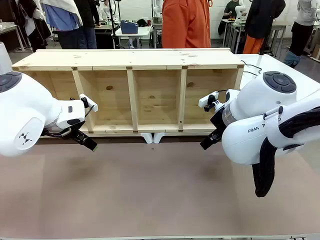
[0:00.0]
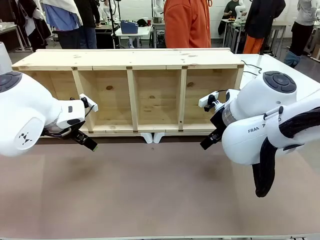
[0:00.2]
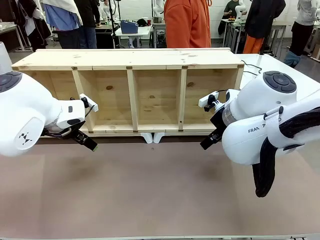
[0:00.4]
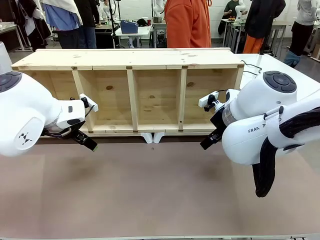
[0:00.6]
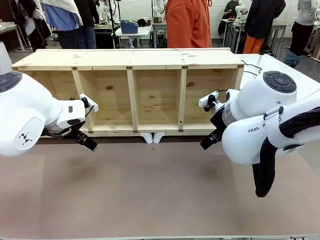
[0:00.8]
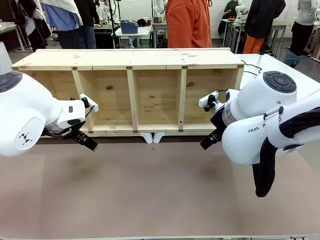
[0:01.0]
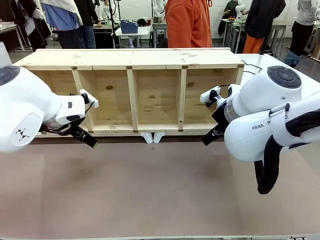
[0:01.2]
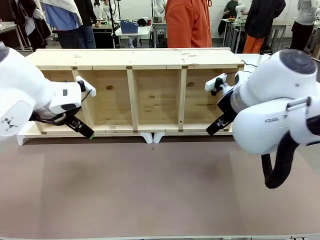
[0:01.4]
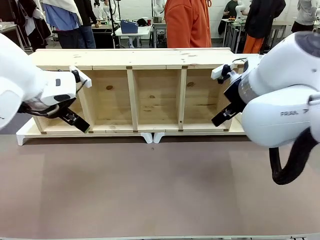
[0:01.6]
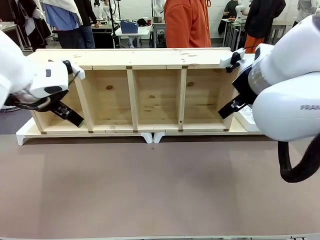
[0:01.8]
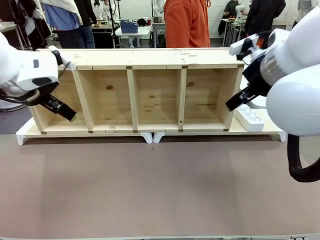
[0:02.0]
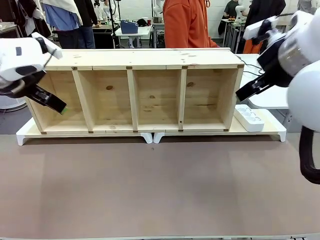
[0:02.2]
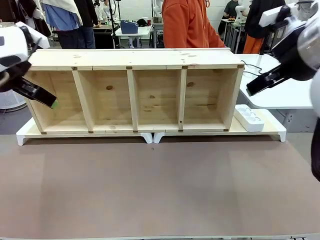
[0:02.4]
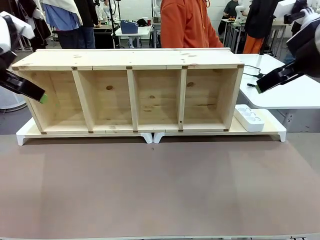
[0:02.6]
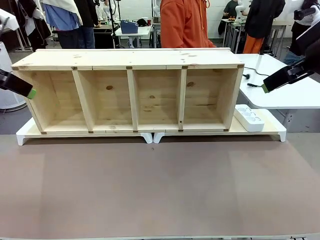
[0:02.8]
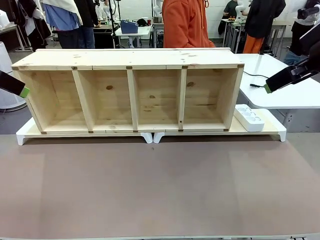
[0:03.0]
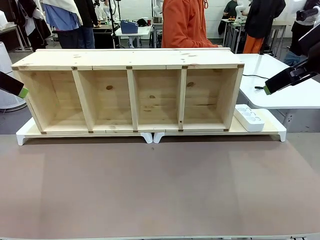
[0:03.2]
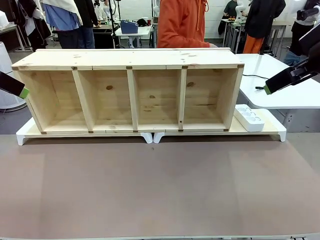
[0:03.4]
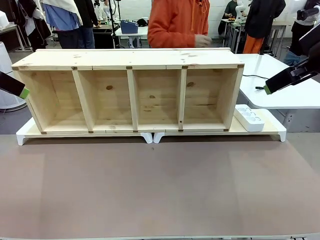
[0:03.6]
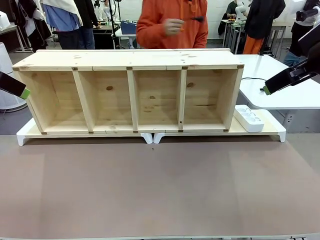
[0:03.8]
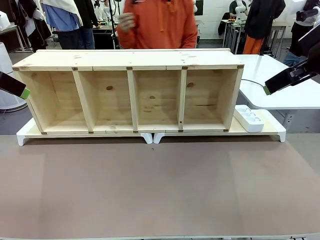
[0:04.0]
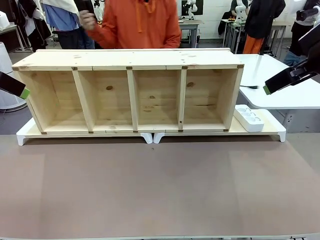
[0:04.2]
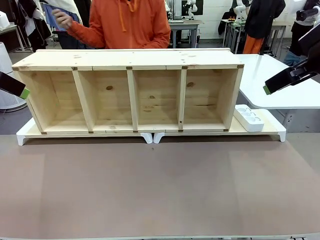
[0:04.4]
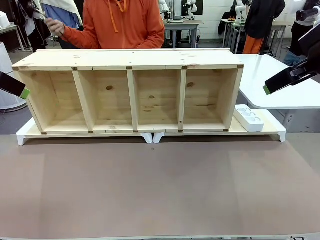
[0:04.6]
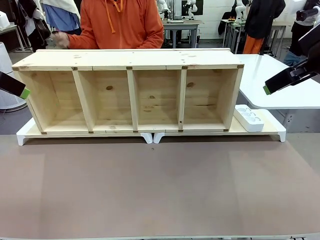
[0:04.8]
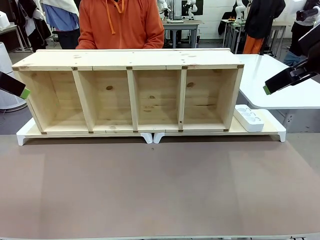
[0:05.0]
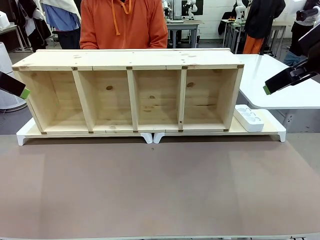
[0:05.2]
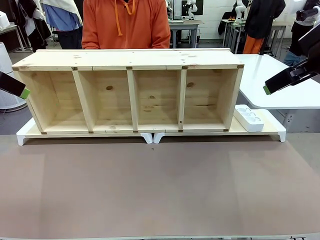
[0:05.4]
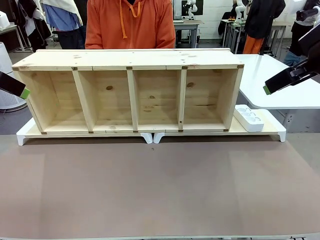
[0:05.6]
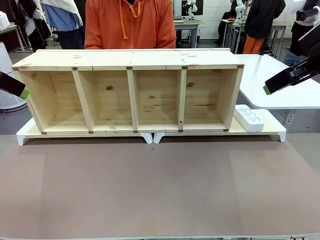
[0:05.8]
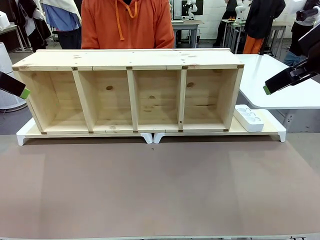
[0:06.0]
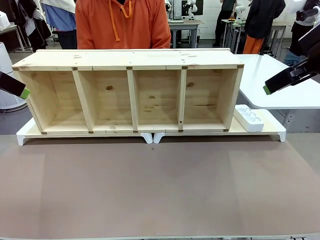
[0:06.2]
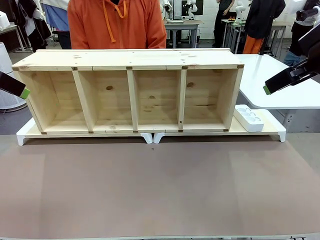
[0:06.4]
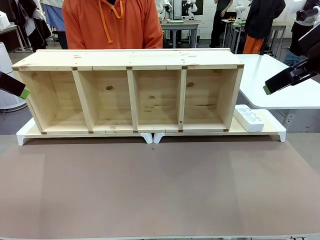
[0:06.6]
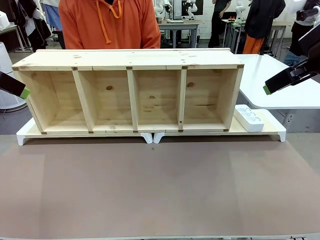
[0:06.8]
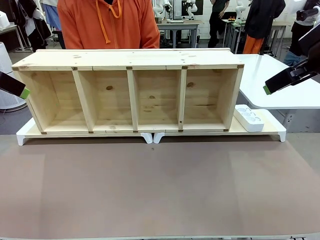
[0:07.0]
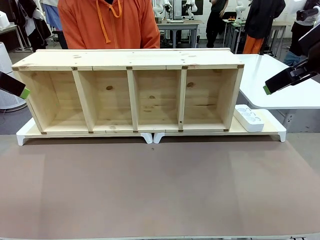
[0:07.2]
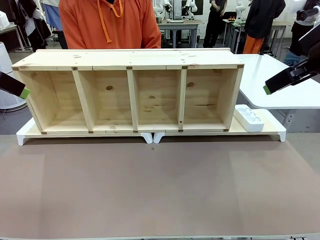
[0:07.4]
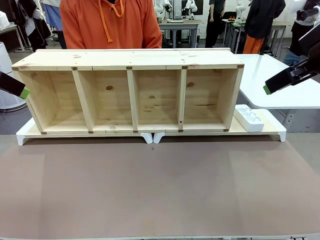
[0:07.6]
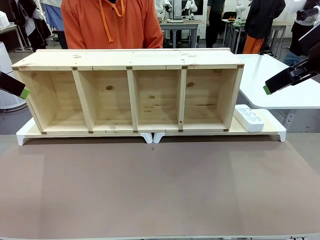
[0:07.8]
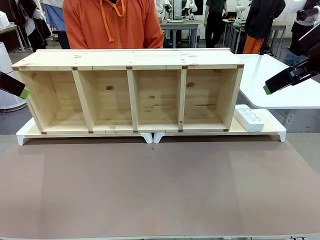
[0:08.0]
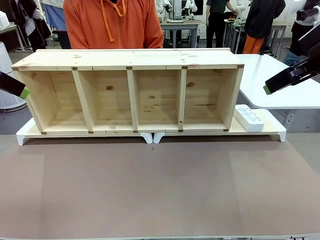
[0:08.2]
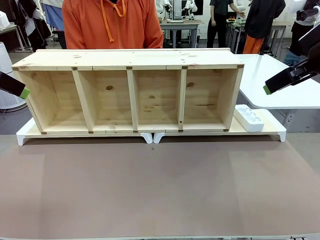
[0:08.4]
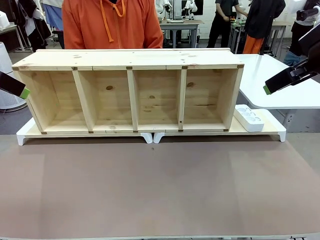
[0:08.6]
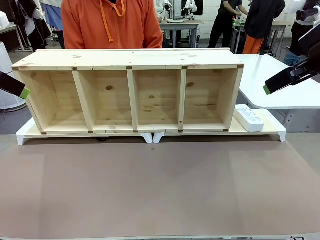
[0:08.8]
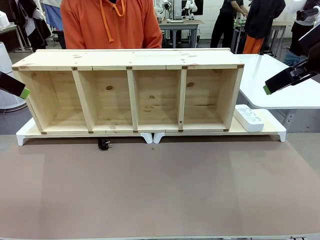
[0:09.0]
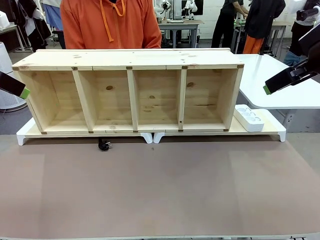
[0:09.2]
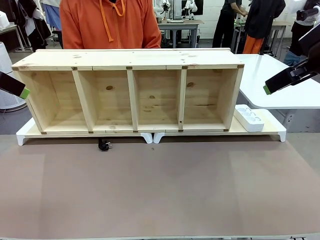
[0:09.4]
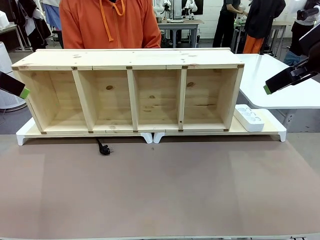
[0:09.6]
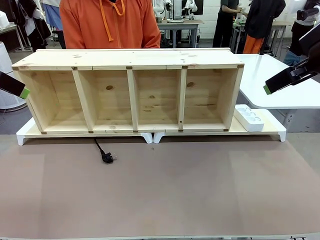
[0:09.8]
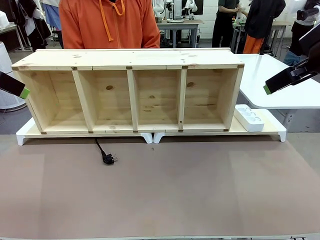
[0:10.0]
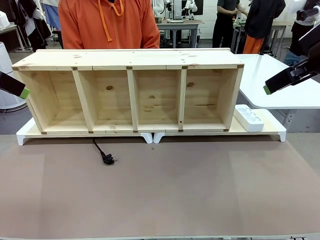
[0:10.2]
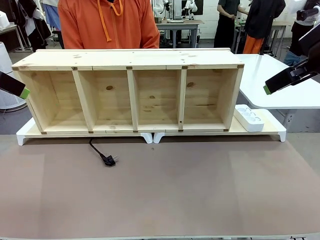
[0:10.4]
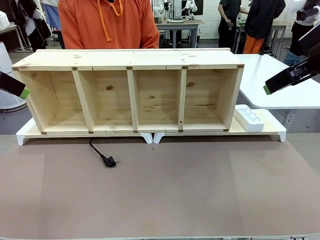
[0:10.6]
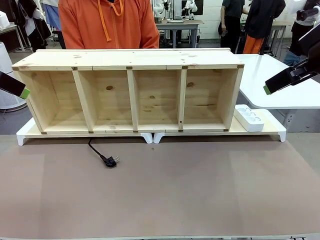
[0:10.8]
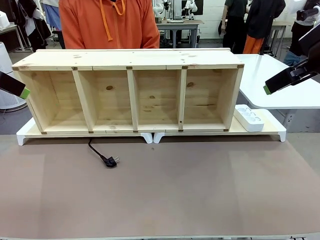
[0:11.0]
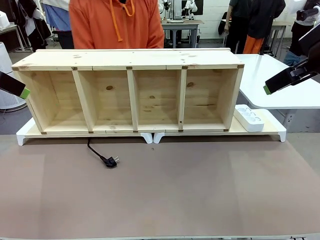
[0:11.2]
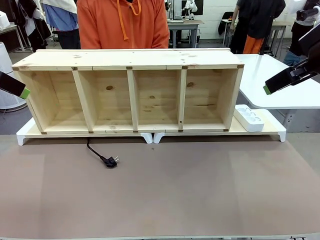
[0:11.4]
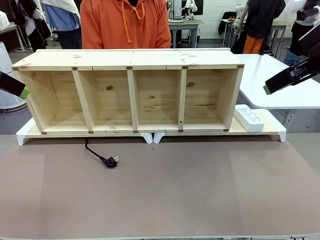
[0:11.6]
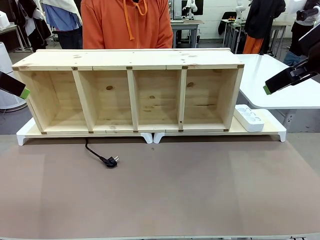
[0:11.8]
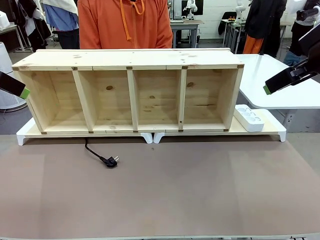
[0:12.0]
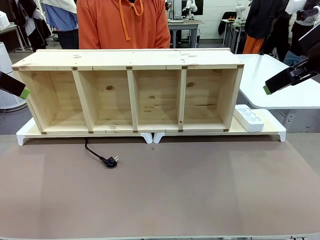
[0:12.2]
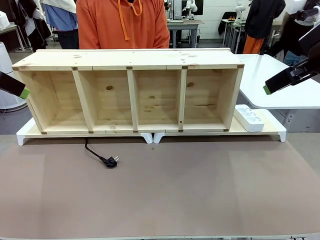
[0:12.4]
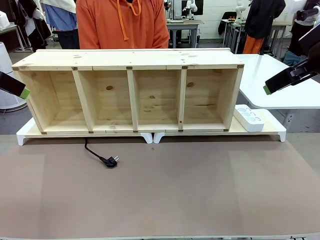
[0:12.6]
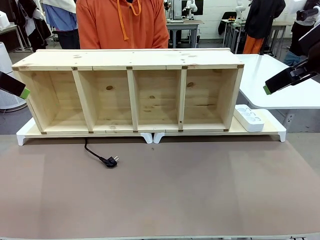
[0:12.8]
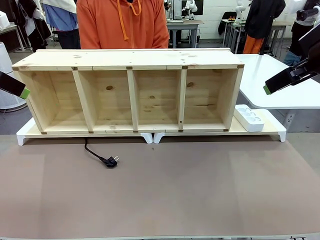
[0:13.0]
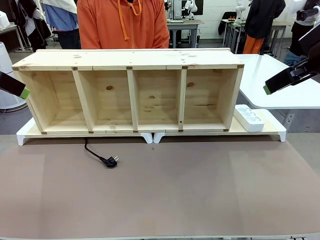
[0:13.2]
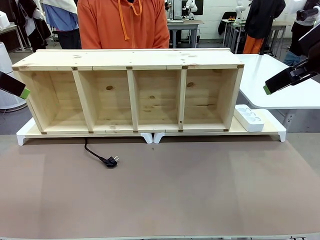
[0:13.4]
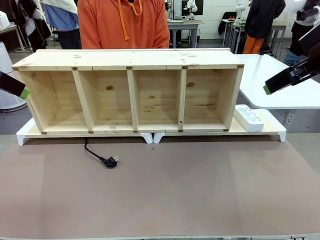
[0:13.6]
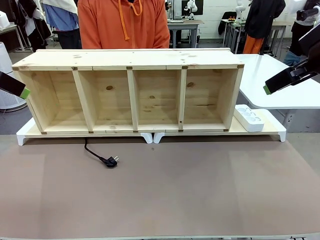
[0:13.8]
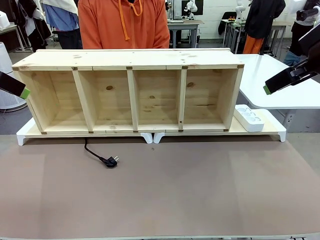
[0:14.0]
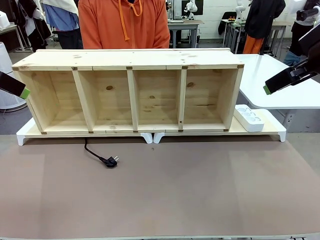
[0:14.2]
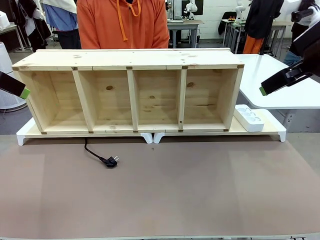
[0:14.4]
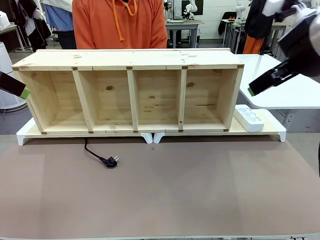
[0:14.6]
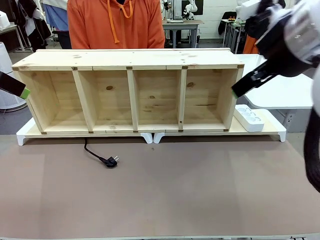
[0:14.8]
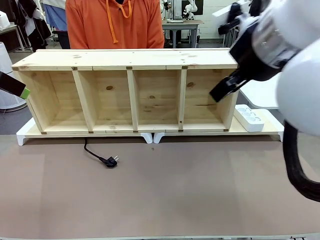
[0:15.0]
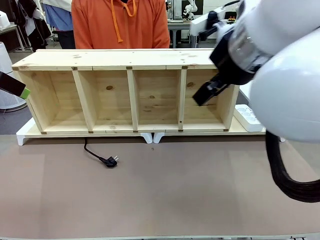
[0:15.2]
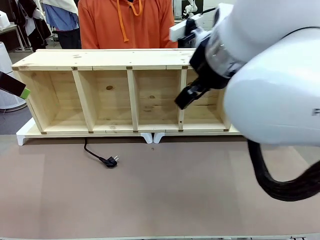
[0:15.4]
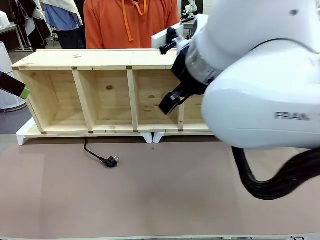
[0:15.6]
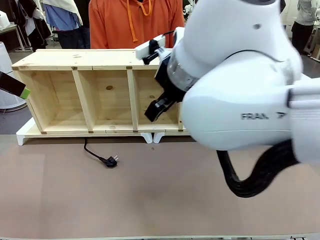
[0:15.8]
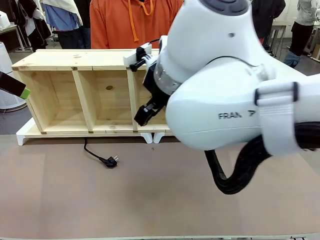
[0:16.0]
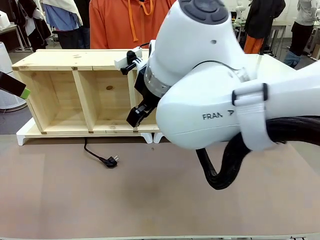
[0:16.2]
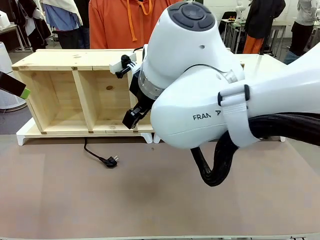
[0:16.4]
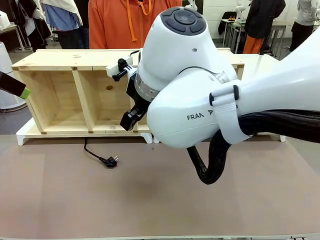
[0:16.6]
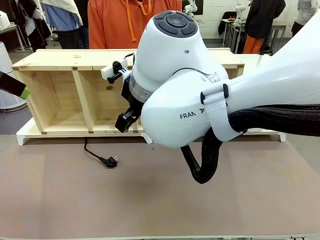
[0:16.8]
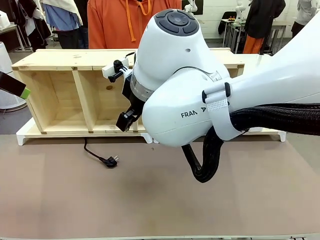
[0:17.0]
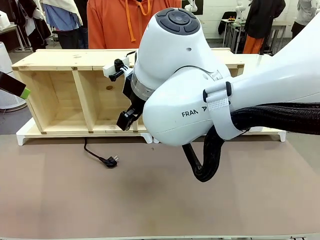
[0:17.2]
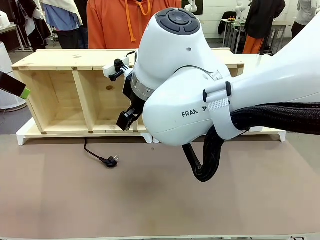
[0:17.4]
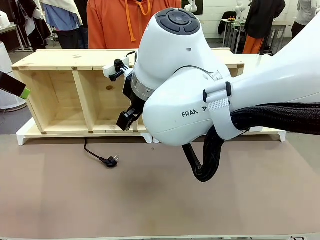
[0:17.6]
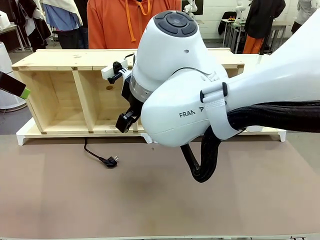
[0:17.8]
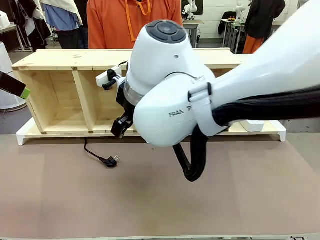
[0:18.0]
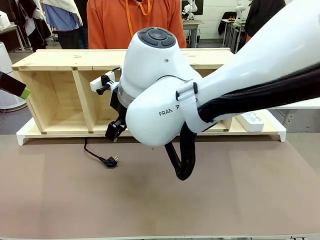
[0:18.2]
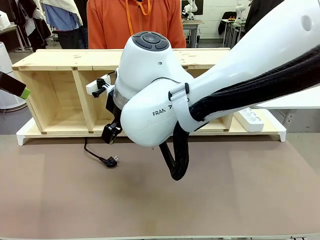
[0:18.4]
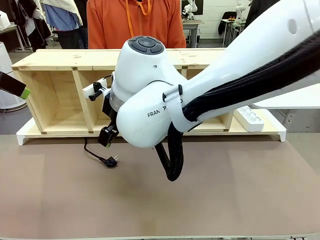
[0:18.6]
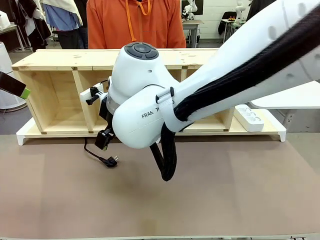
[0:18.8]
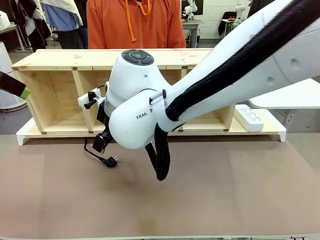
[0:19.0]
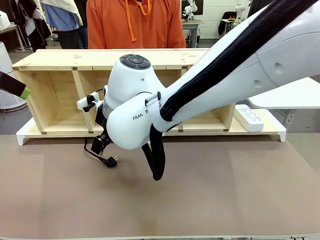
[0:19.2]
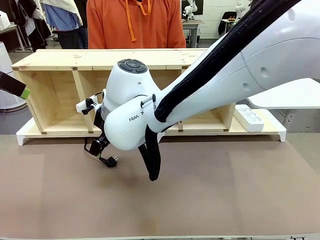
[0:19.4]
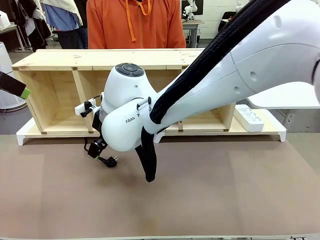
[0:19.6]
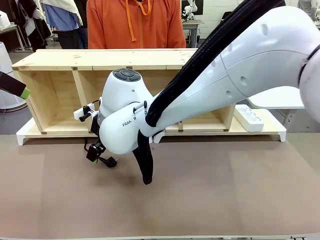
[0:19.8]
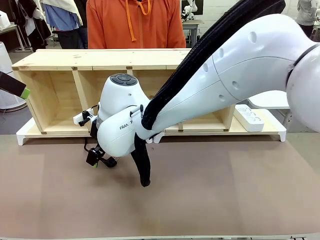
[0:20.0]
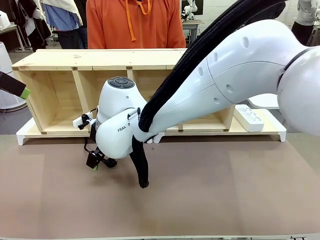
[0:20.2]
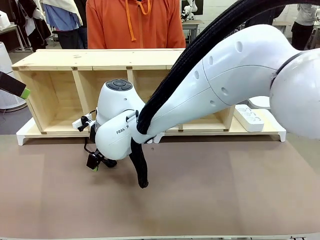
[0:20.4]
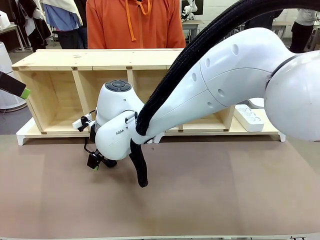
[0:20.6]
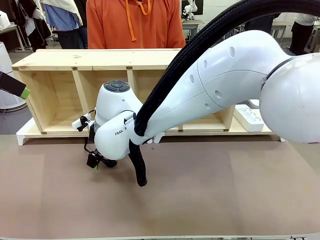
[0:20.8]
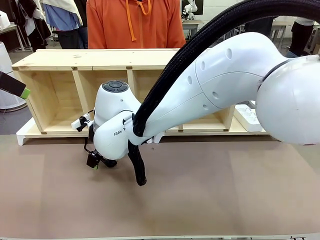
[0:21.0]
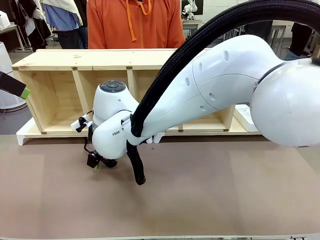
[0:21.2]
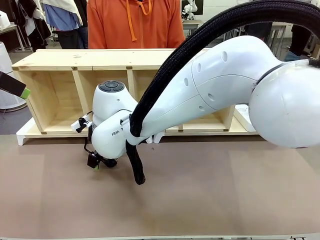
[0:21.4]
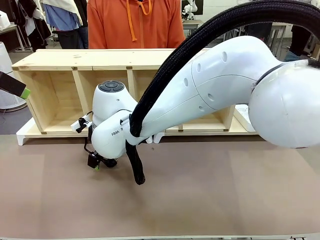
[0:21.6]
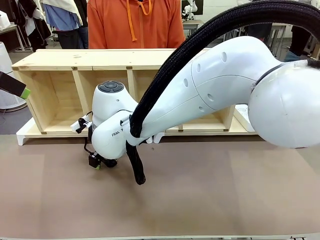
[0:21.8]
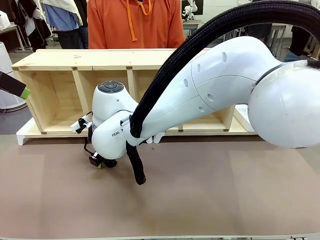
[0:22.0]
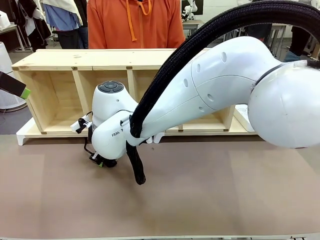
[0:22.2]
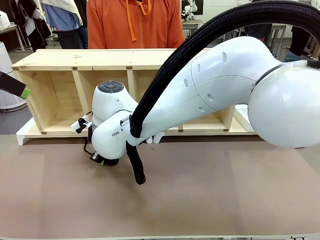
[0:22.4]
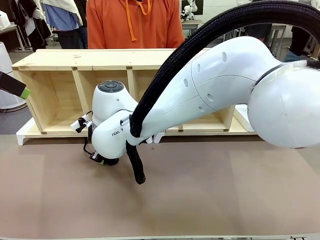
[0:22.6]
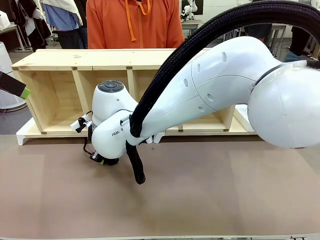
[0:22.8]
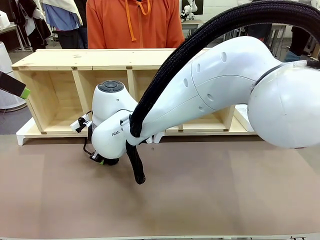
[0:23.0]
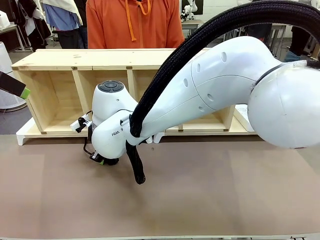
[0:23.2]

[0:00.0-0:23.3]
Task: Perform cable management.
Robot: When the cord part of the Power Cable appears at the lower middle area of the table and stops, grasp the cord part of the Power Cable.
Person: Pass the Power Cable under the Serving Table.
